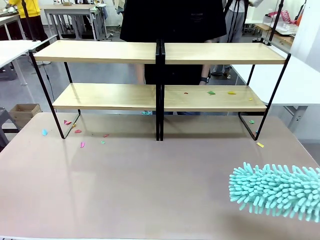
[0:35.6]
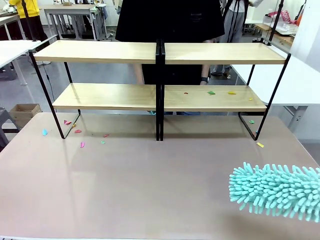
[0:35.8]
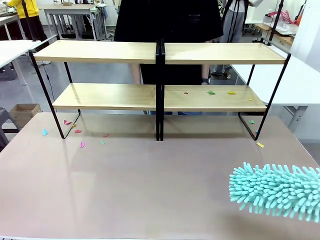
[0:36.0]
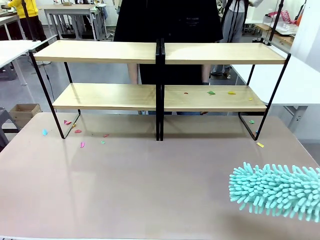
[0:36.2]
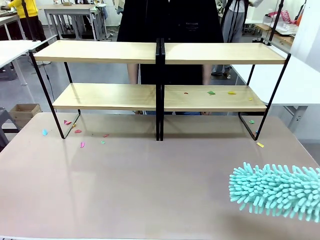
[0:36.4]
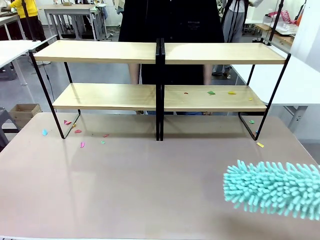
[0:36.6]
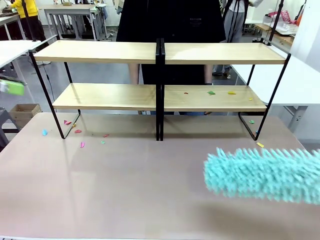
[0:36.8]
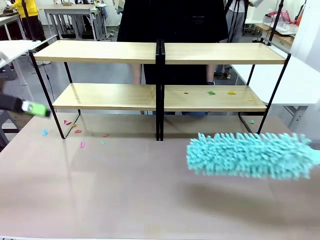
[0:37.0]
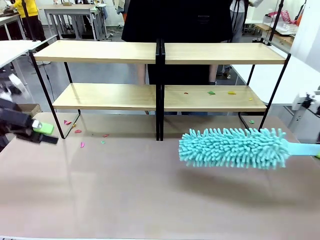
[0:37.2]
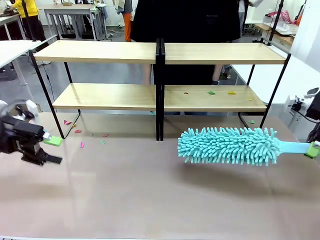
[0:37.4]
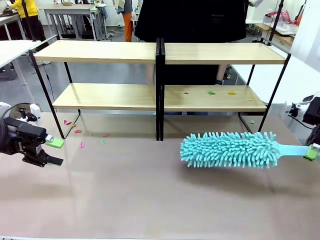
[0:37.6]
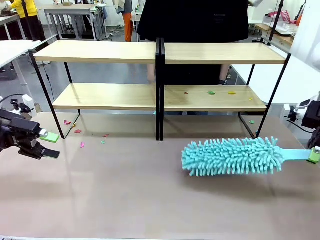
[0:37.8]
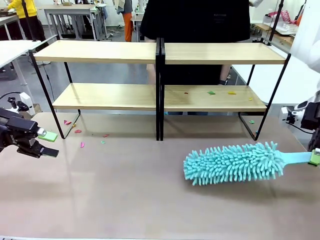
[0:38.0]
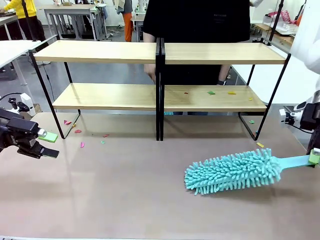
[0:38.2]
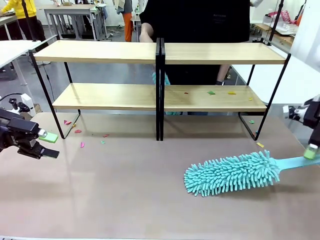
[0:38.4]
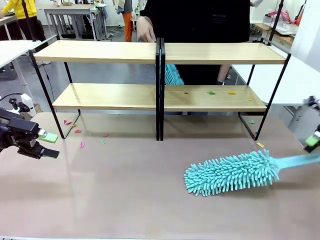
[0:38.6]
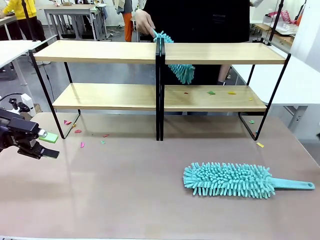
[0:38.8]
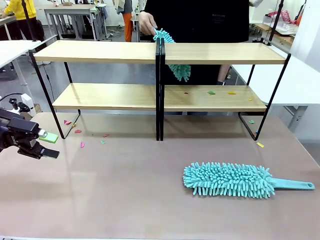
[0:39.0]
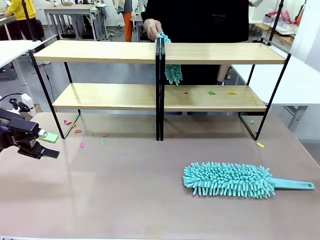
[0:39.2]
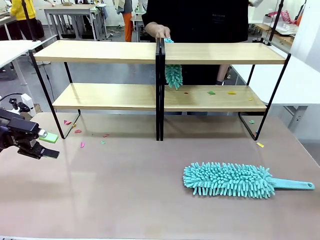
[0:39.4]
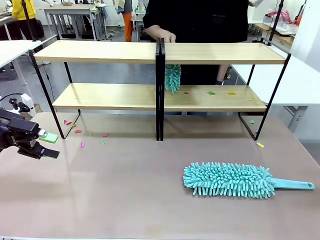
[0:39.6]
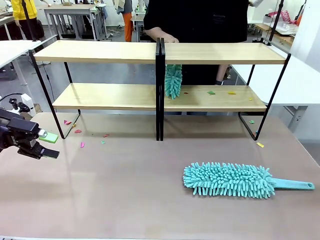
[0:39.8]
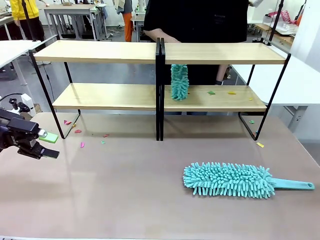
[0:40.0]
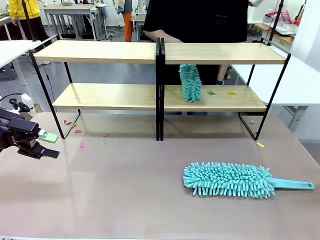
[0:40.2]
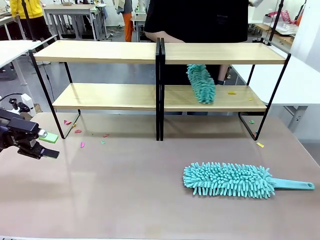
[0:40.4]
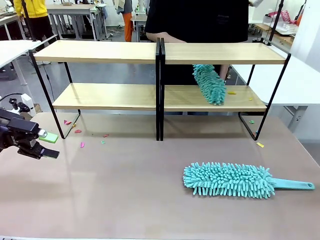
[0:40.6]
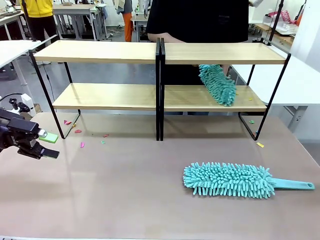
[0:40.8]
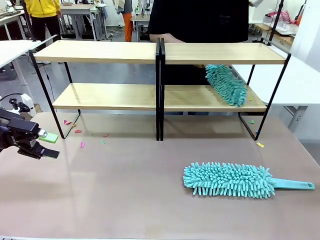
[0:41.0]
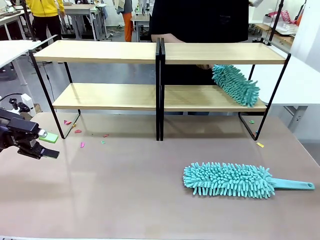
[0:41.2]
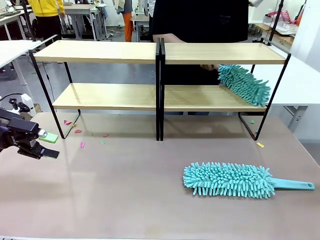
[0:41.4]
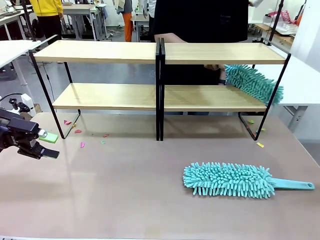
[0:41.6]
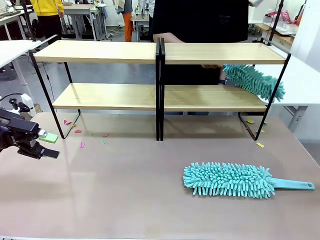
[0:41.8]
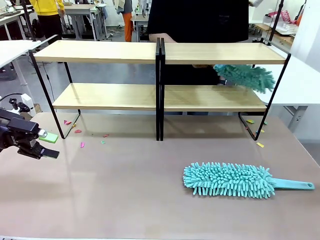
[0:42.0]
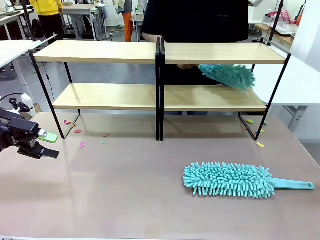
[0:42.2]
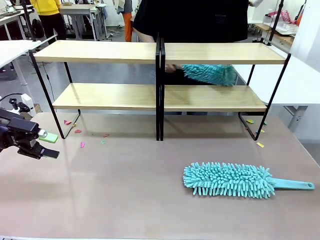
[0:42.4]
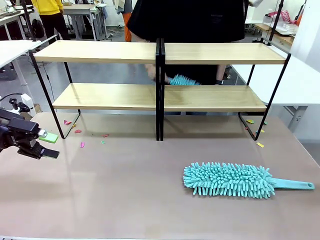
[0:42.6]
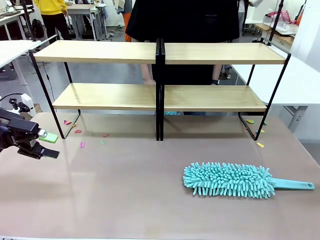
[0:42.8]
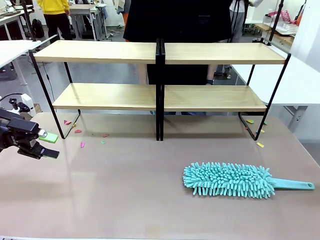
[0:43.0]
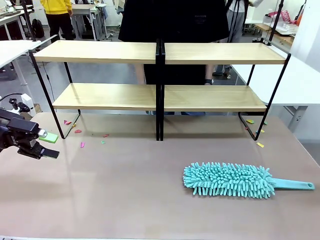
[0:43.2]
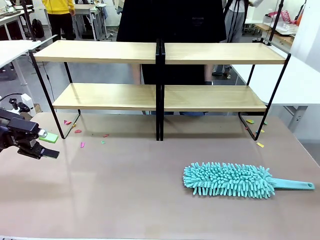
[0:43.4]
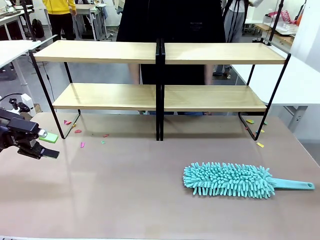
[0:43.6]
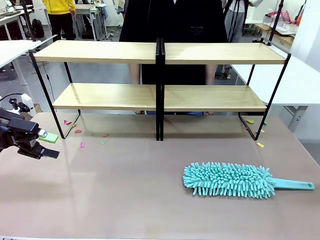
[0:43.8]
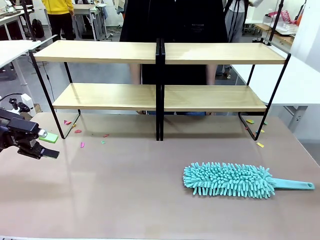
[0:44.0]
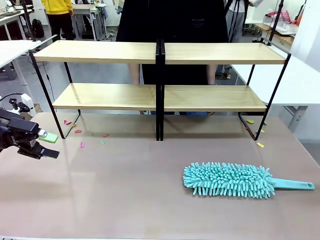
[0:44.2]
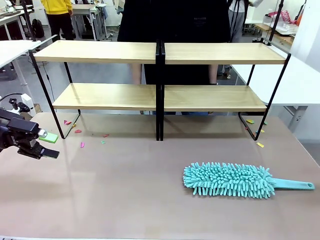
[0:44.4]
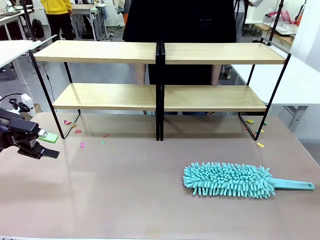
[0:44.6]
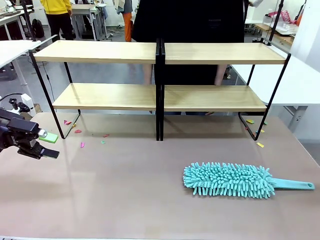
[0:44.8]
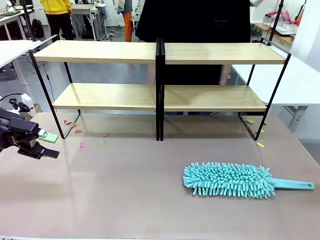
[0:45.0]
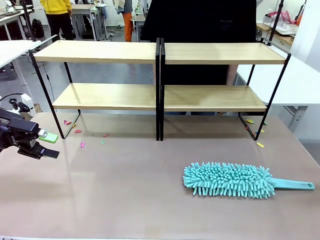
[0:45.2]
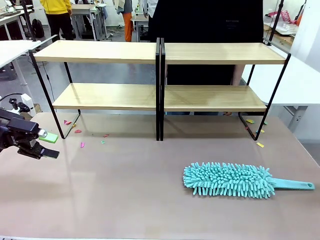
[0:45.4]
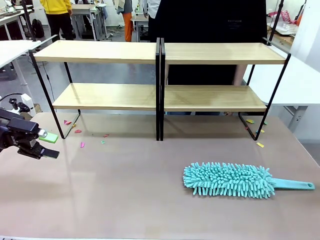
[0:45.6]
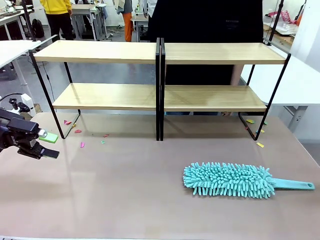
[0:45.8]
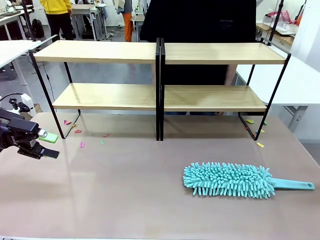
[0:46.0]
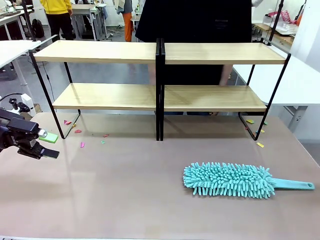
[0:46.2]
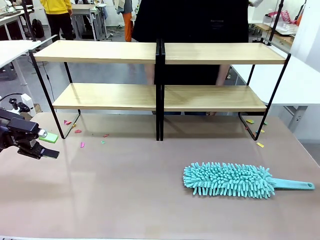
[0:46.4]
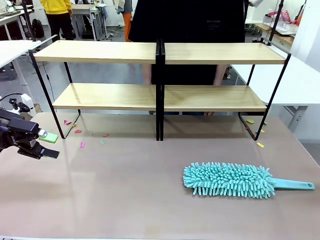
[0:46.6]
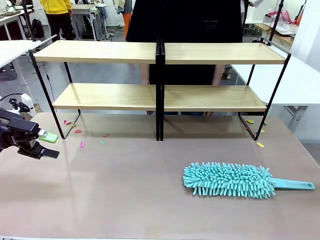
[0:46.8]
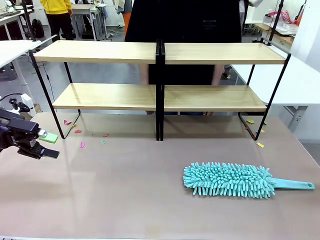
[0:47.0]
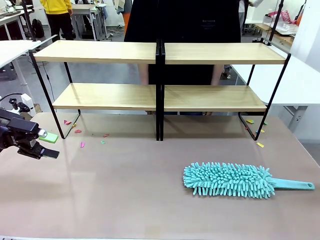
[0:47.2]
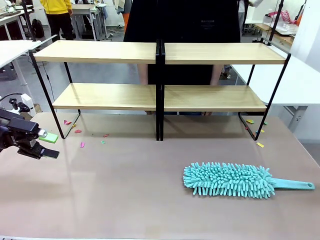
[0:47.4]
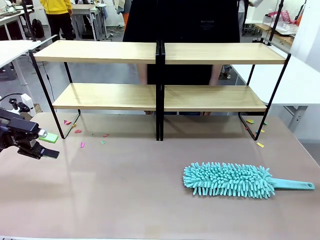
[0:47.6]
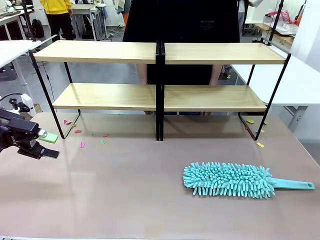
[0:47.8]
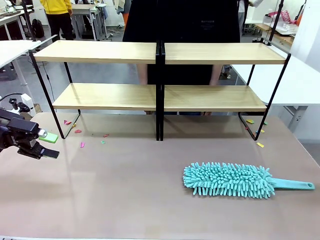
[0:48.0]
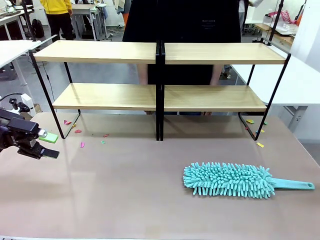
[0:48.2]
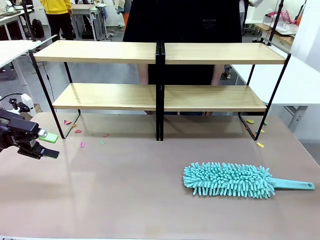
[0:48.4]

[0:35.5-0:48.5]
Task: Clean the shelves.
Robot: Place the Duster on the table.

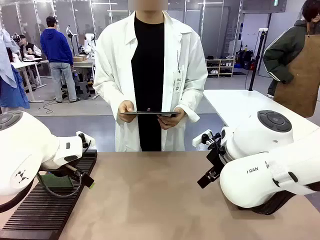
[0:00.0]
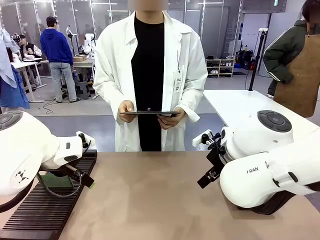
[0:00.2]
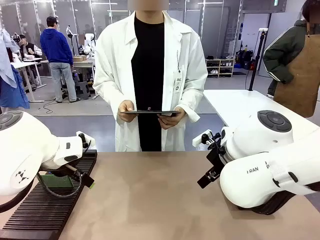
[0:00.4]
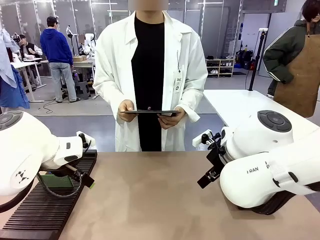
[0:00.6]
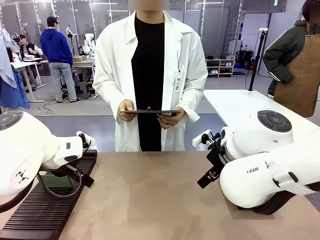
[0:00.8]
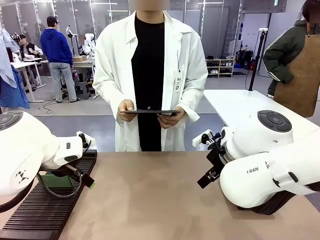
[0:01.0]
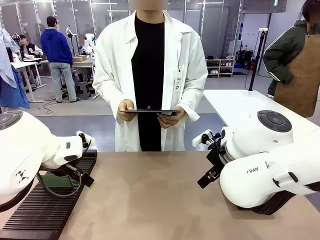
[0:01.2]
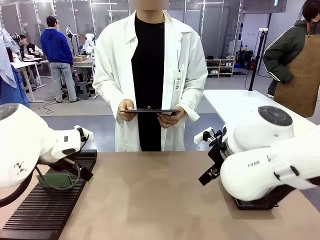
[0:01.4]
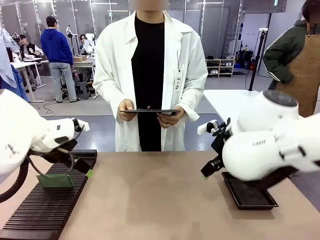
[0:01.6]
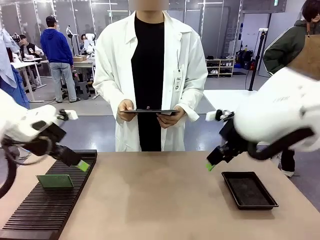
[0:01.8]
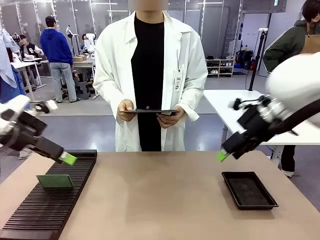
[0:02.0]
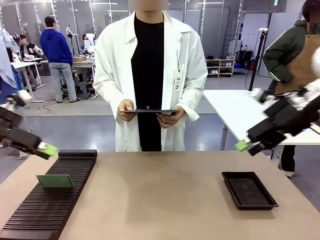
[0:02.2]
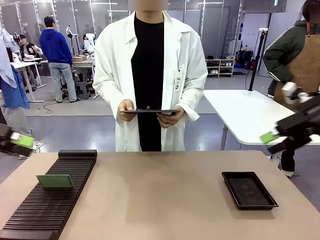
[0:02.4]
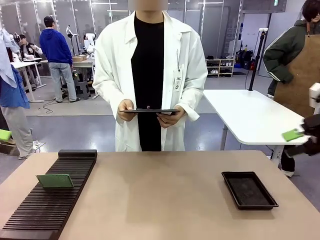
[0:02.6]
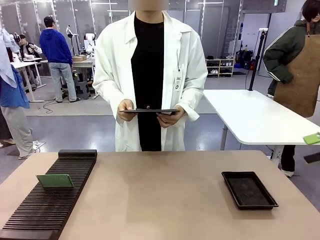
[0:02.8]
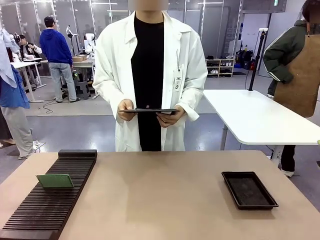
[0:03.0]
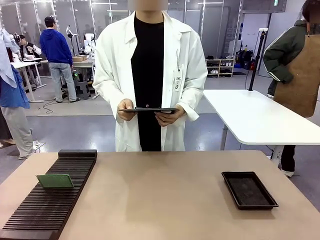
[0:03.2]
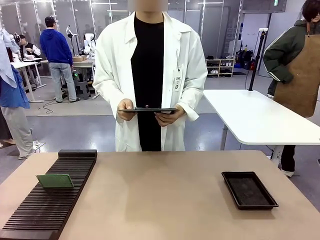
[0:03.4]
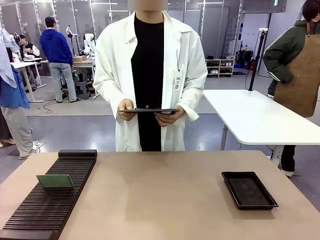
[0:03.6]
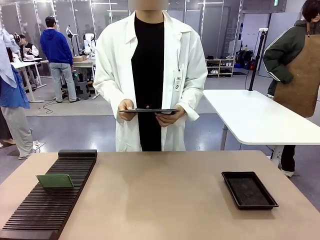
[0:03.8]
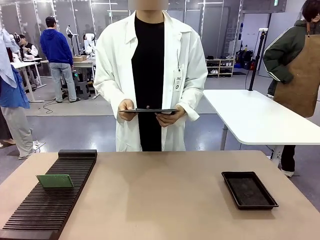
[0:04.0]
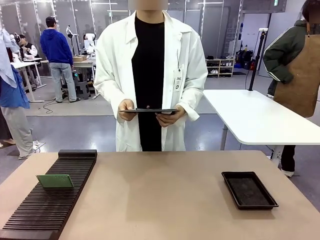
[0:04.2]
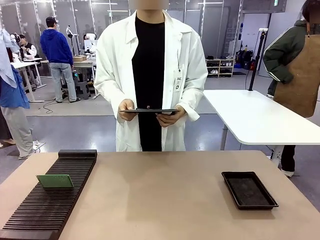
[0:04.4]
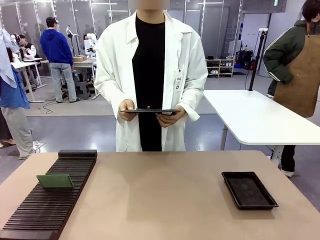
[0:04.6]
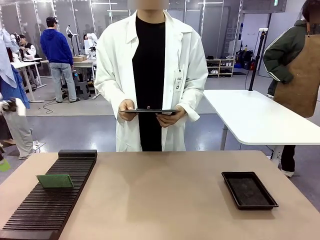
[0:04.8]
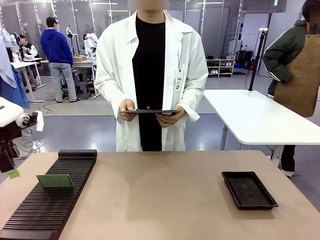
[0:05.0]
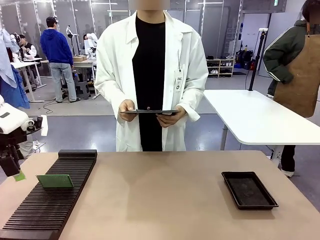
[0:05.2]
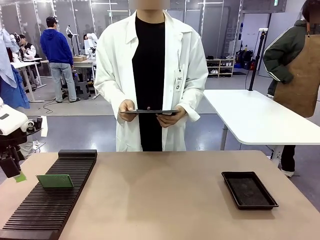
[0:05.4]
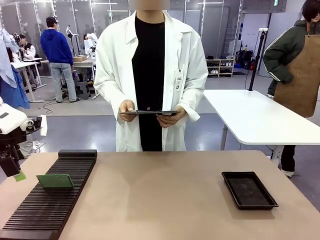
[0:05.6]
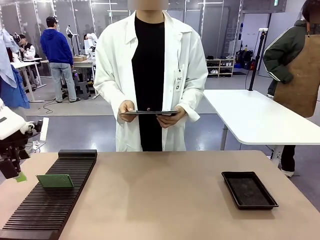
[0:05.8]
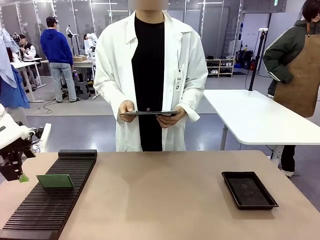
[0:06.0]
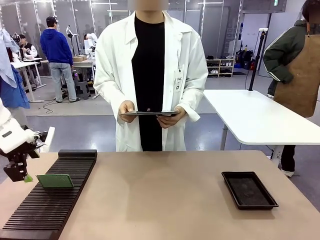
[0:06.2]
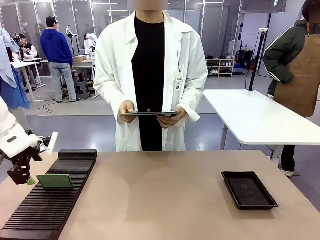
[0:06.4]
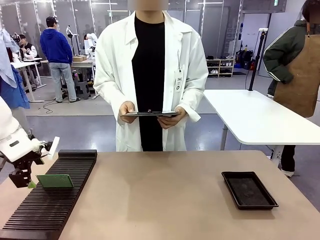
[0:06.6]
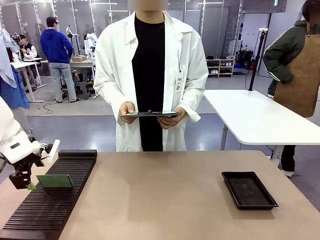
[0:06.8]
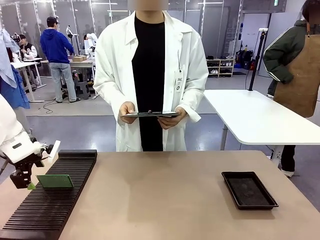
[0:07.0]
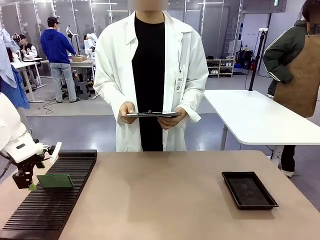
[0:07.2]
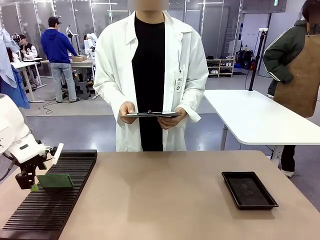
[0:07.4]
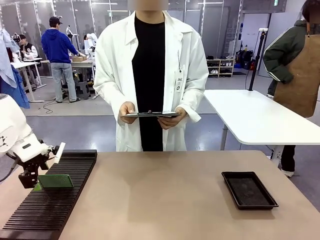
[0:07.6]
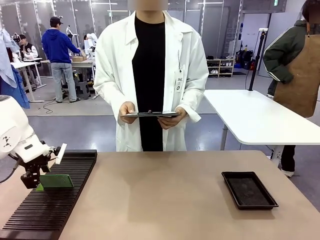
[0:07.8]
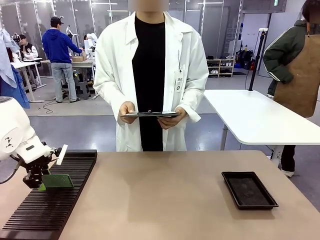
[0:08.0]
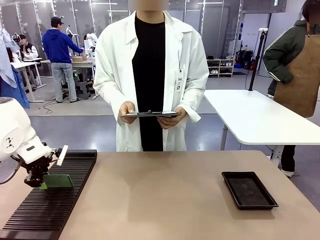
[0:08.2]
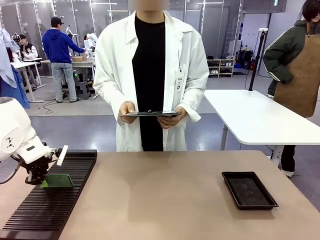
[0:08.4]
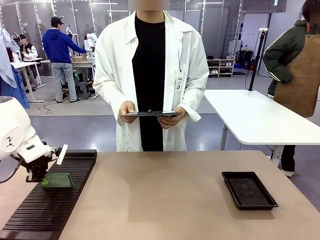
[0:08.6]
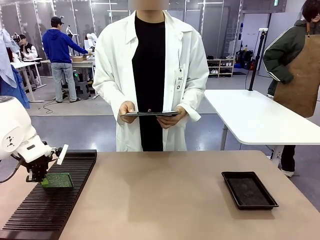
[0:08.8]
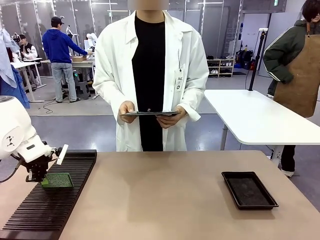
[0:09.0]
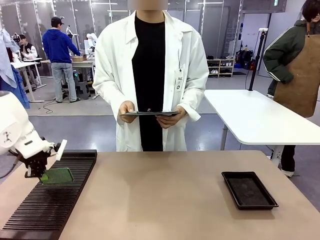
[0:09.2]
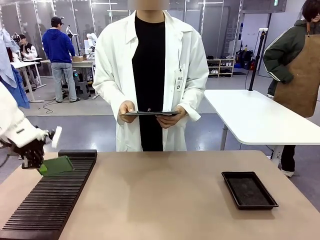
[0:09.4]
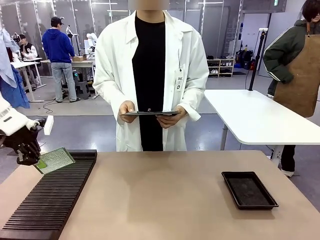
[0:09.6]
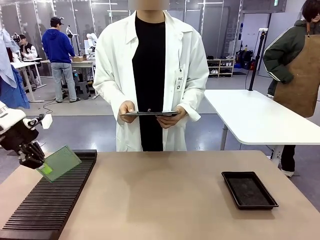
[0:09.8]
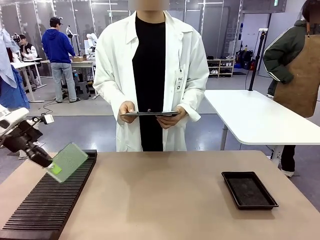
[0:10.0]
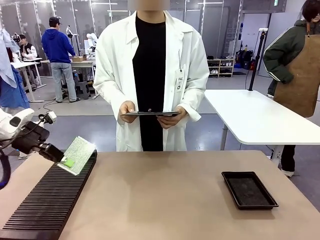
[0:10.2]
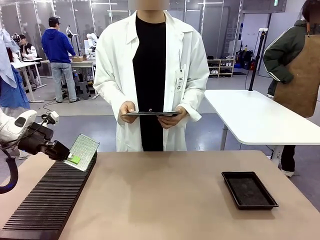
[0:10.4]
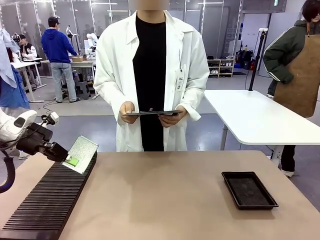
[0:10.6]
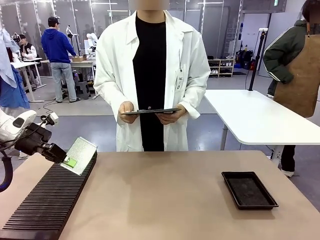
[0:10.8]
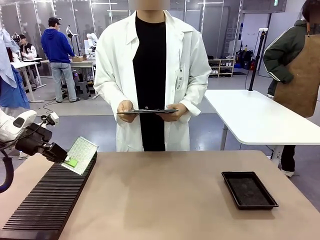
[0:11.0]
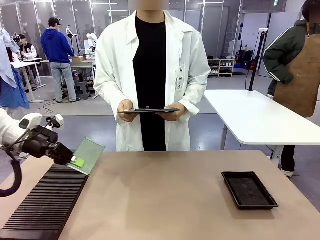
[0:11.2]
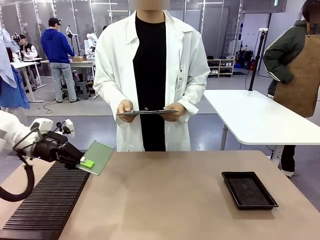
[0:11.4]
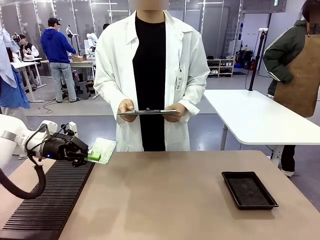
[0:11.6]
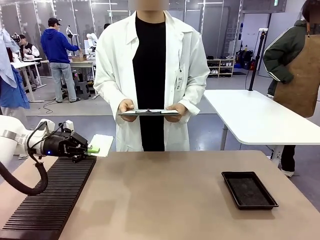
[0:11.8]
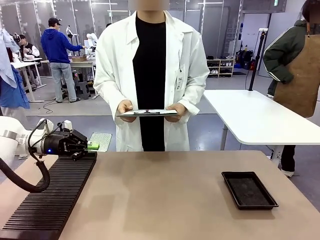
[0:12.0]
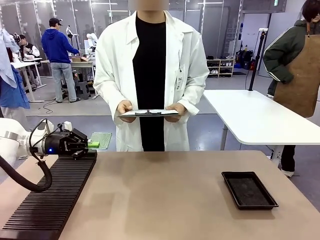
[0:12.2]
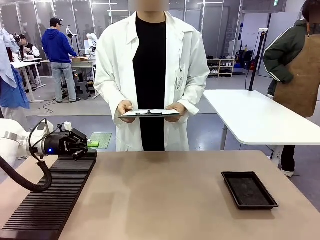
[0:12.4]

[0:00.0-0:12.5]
Task: Inspect the PCB.
Robot: Pick up the Blank PCB and present it to the human.
Person: Pick up the PCB presented by the robot.
